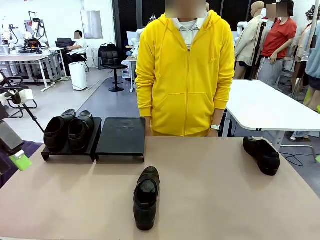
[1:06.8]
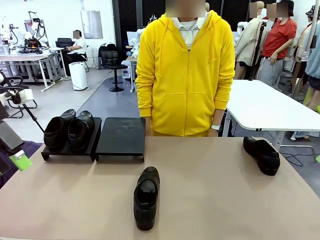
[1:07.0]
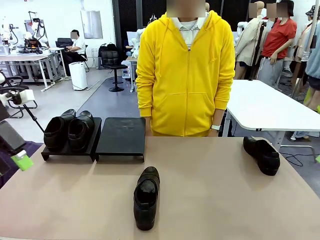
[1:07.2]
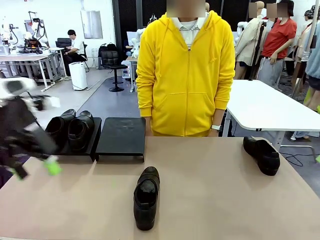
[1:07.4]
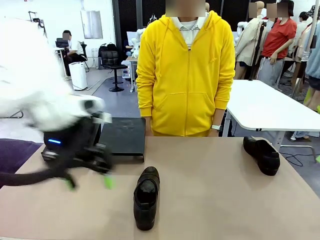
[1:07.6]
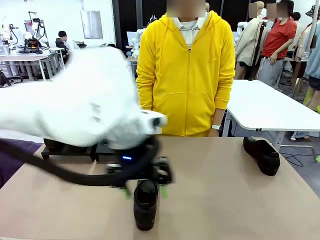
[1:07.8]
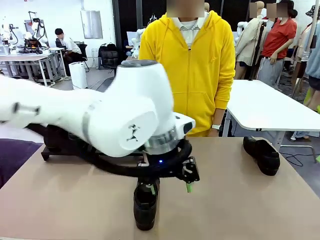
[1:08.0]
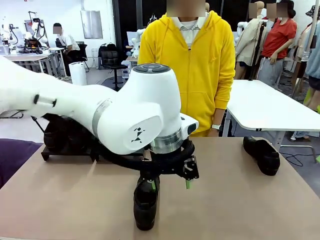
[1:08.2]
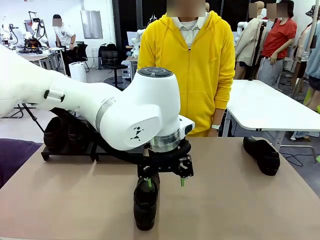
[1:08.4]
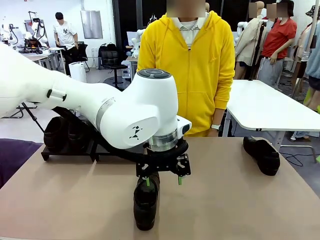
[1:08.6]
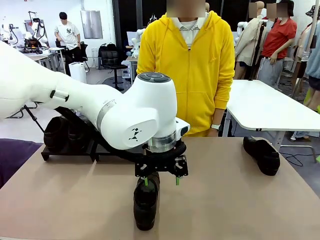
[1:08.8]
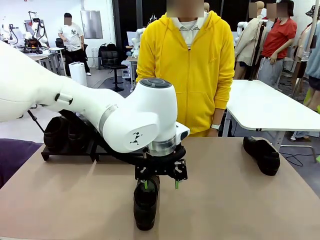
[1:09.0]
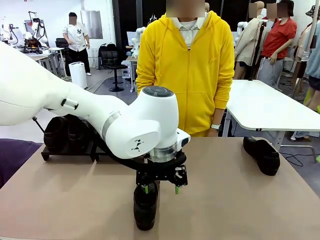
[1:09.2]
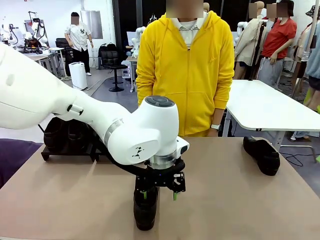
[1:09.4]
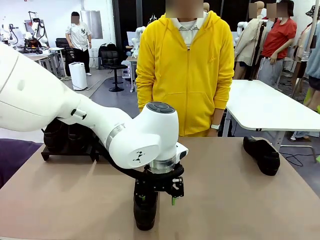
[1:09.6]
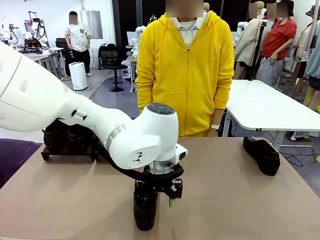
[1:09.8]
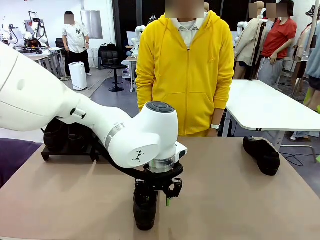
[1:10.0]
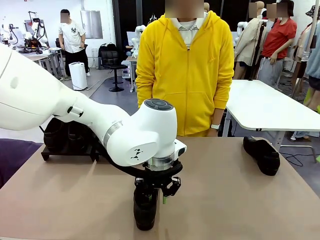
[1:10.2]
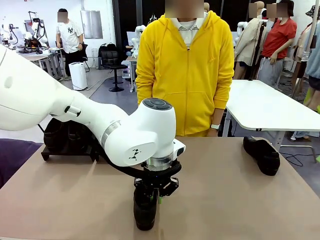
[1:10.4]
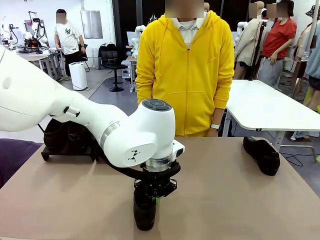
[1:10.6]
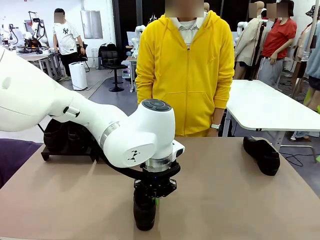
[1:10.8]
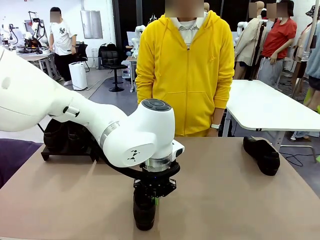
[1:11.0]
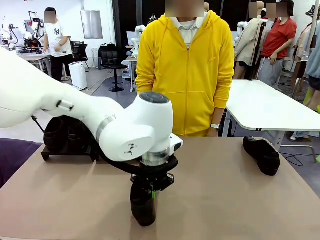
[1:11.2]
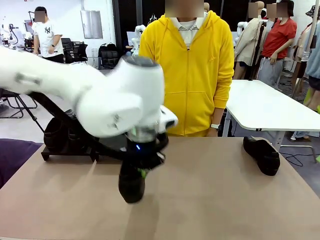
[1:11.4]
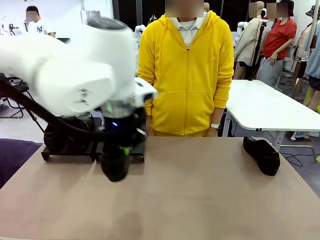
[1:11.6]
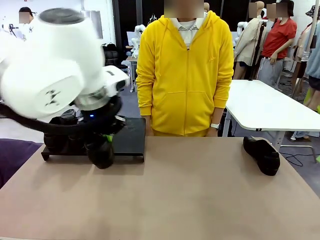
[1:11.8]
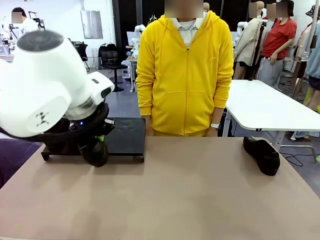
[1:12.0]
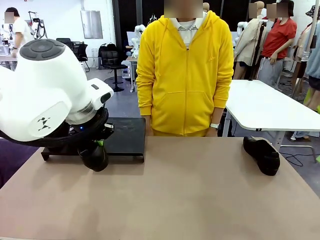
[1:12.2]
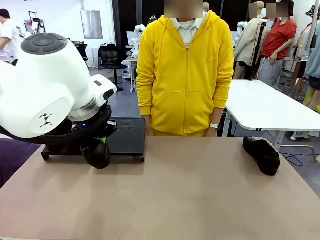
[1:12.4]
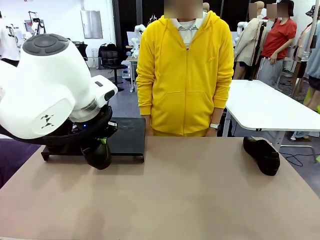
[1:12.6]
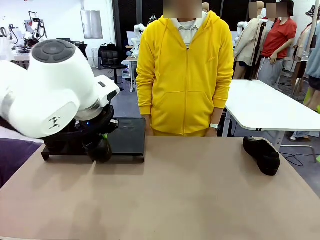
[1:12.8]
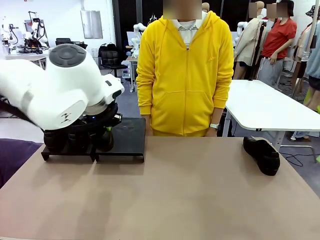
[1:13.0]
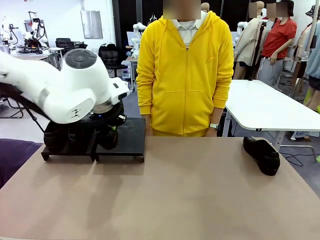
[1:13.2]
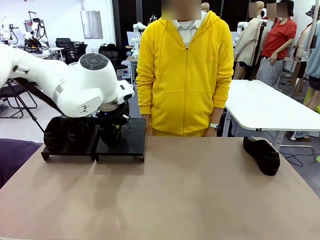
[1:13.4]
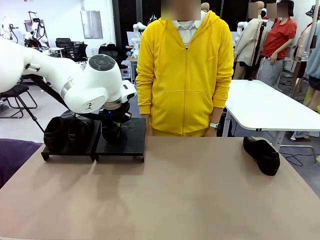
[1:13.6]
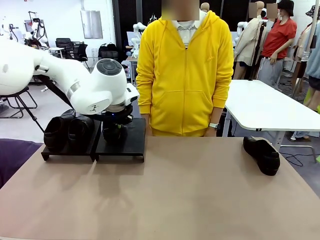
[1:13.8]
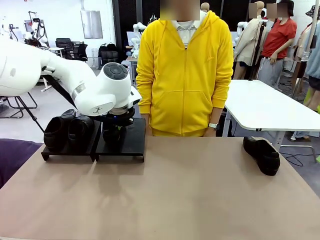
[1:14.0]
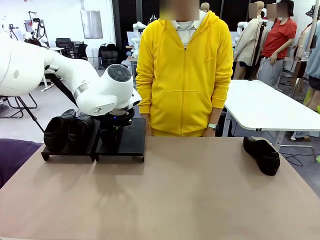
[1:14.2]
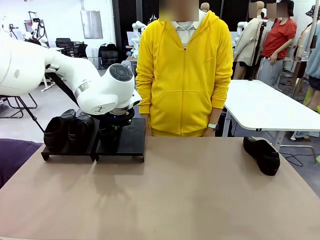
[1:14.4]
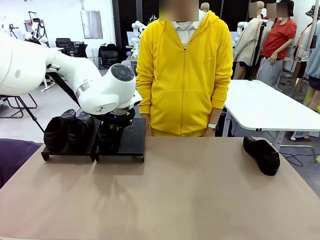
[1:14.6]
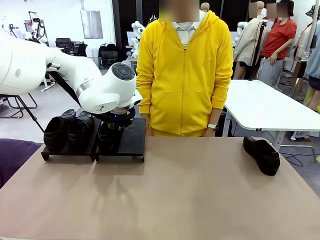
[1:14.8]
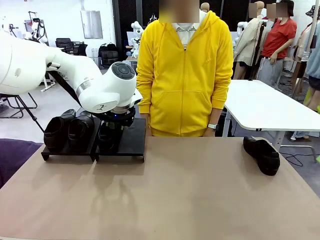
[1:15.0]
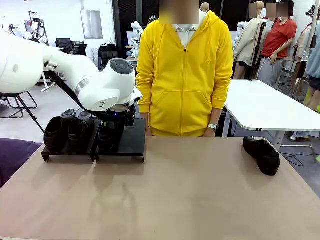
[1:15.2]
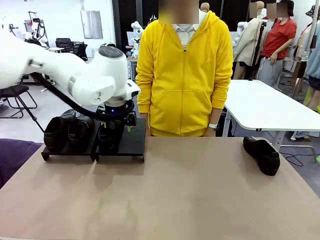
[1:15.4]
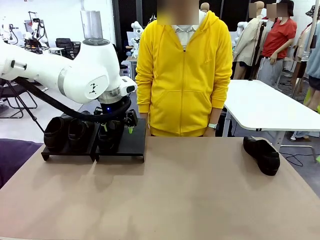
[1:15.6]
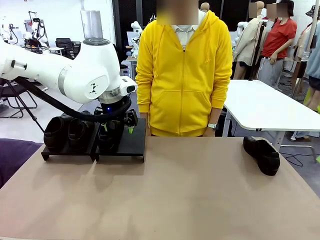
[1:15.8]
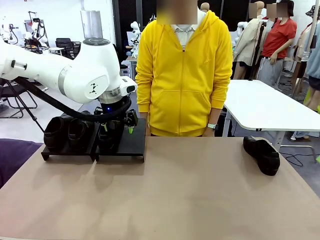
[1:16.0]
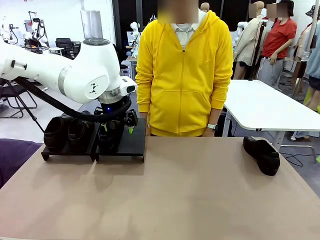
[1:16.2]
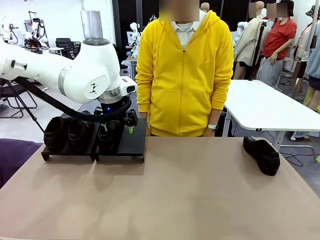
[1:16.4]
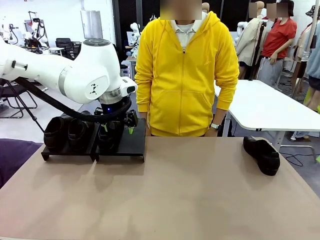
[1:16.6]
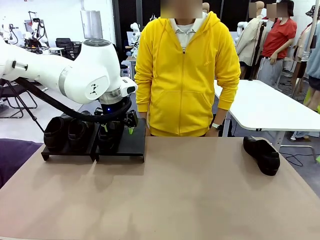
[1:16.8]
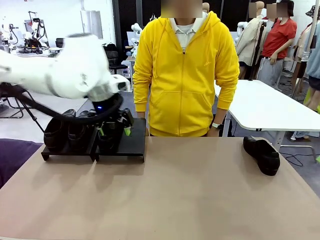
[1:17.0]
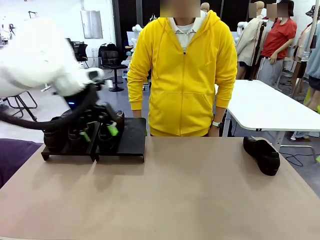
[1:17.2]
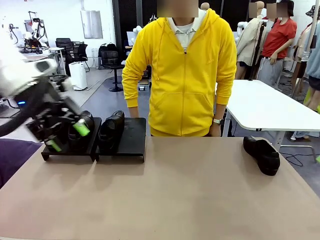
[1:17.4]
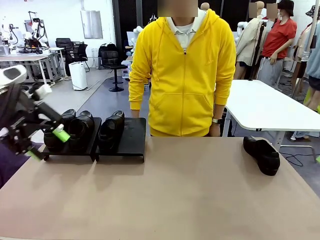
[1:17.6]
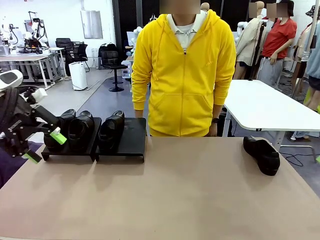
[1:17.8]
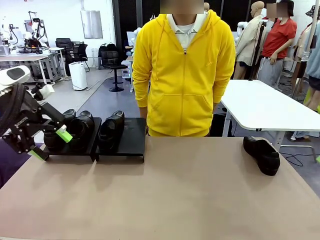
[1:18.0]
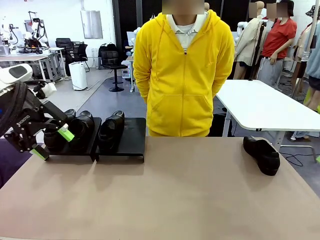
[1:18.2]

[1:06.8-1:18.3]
Task: Organize the shoes by placing them on the stand.
Robot: Place the Shoe from the middle of the table onto the Shoes Stand.

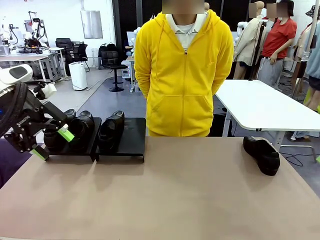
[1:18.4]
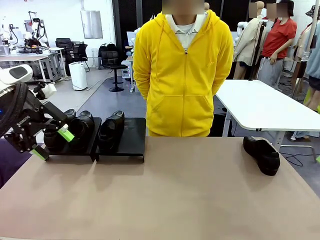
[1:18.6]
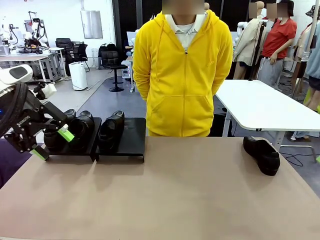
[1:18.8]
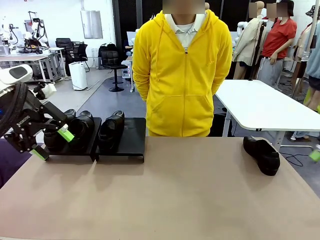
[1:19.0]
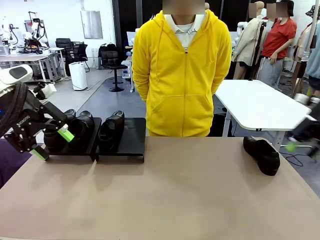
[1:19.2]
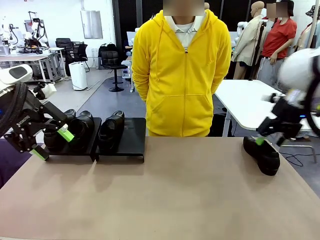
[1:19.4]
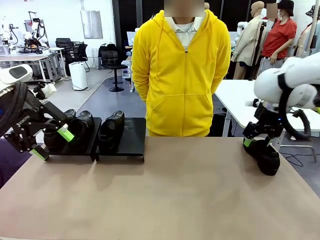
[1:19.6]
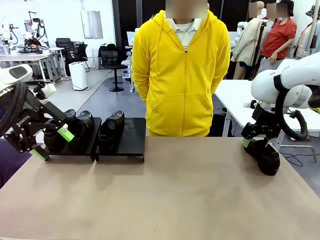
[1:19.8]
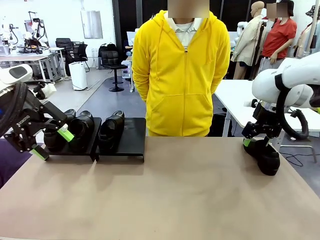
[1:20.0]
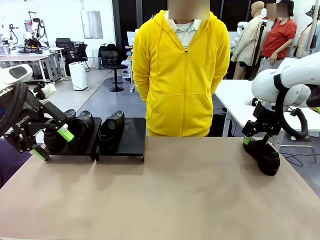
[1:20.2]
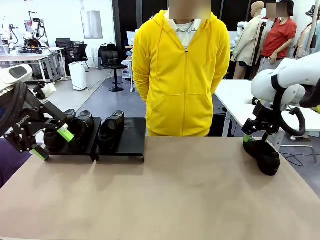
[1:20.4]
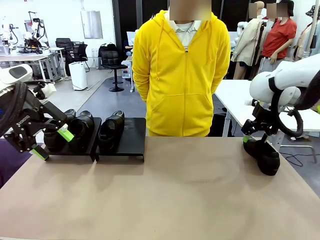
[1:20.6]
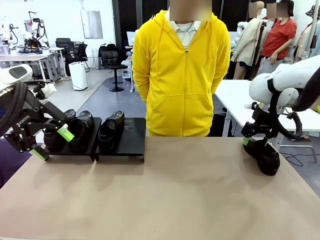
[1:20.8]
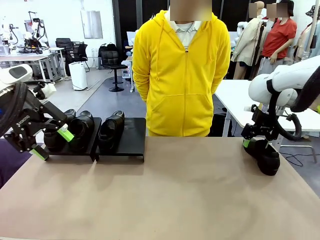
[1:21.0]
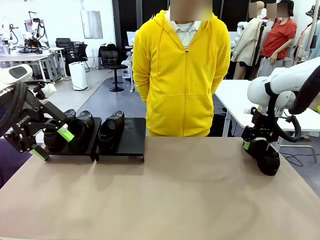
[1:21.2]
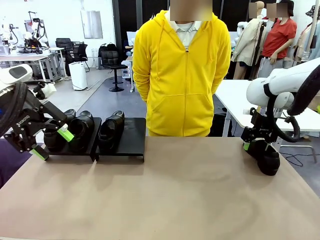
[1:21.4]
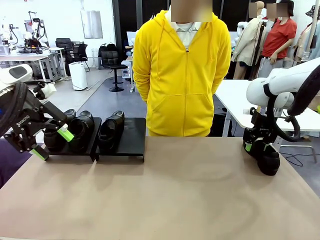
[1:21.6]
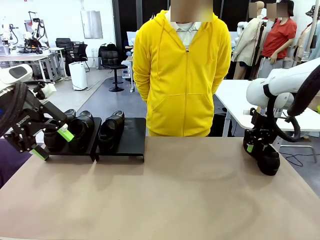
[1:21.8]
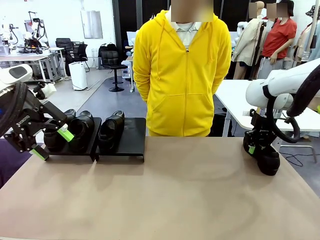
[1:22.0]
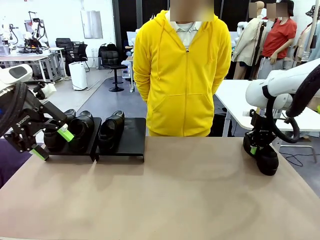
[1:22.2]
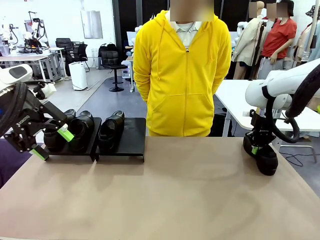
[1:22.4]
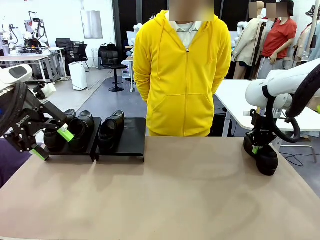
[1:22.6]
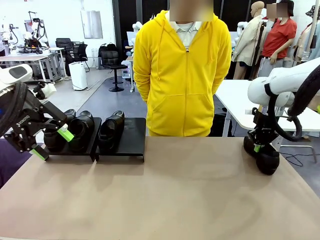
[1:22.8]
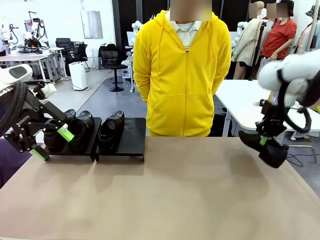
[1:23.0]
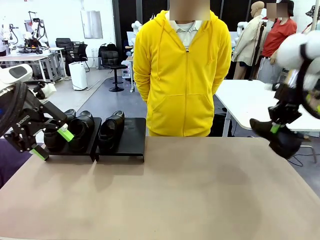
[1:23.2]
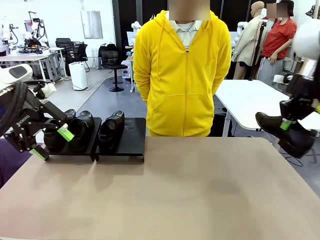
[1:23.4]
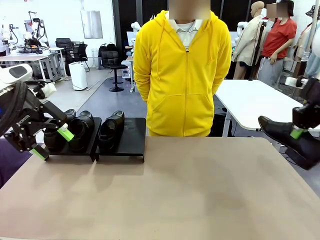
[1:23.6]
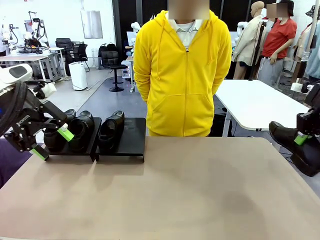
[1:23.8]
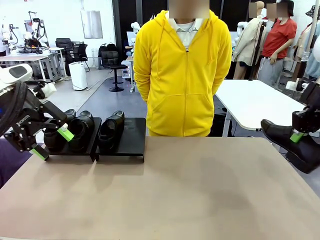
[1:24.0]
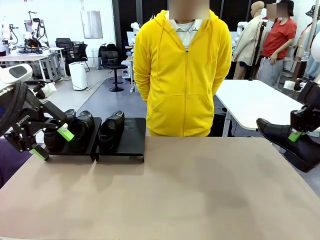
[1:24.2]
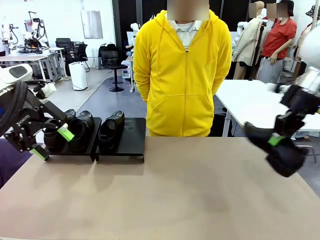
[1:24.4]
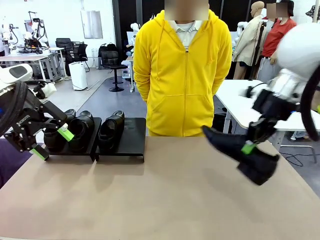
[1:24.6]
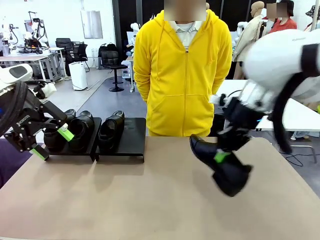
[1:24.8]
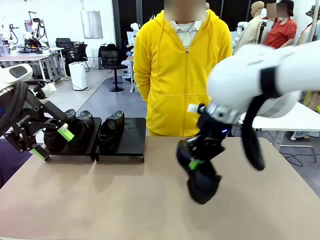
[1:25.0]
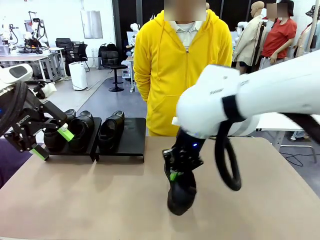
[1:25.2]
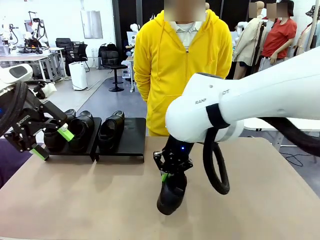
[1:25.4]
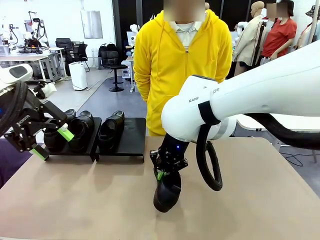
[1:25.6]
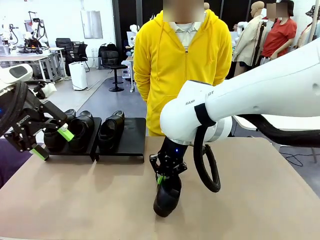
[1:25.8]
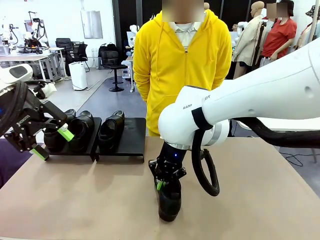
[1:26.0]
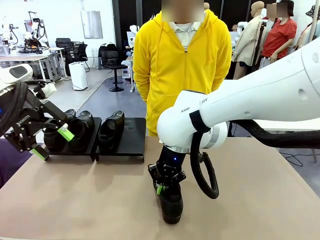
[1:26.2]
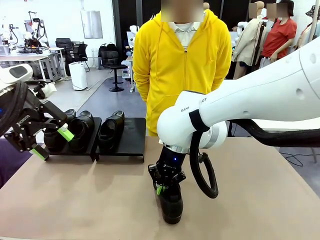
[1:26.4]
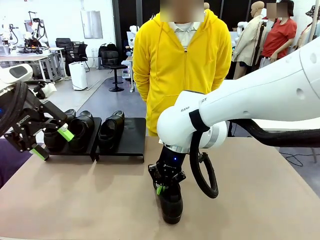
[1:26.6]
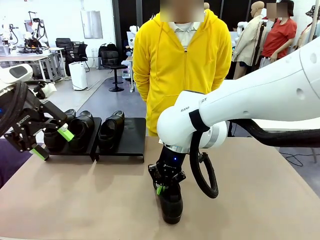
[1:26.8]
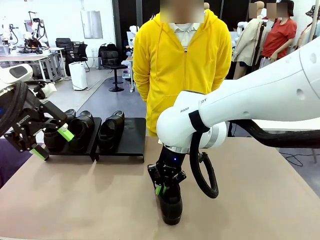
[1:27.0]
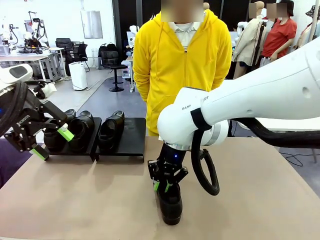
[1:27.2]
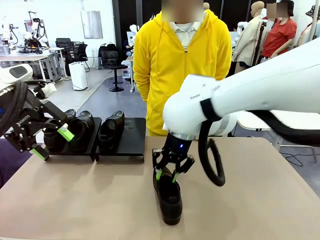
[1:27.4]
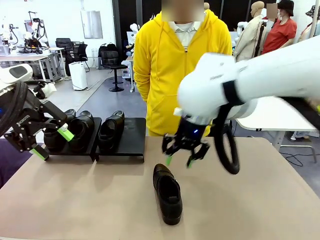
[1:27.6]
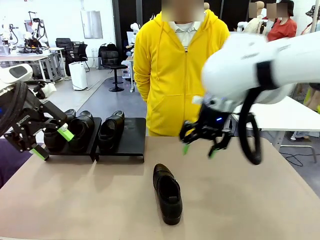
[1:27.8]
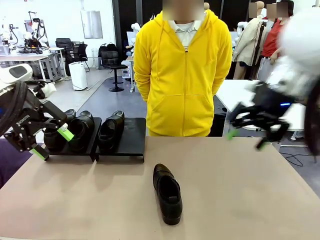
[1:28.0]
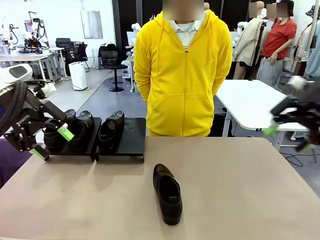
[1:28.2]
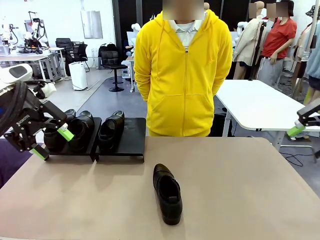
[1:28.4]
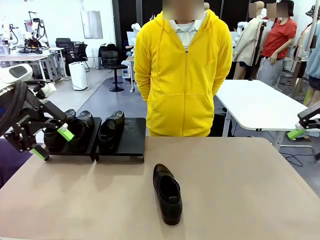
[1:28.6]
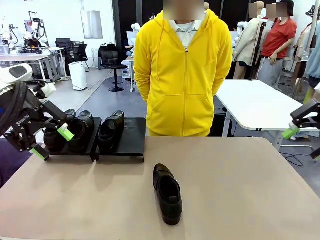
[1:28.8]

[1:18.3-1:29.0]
Robot: Pick up one Shoe and place it in the middle of the table.
